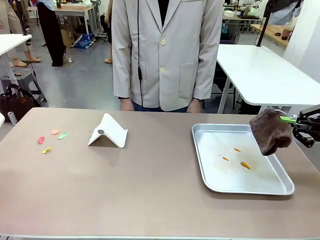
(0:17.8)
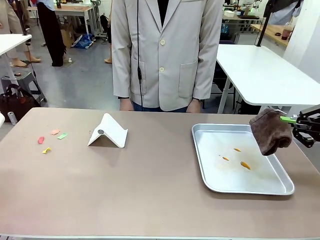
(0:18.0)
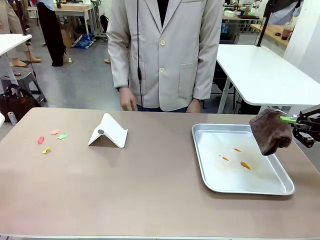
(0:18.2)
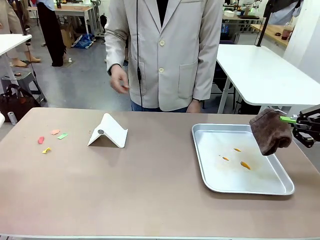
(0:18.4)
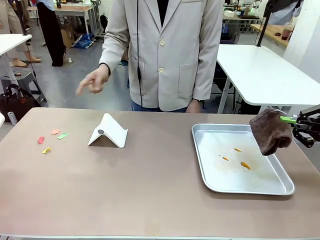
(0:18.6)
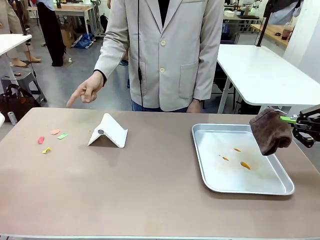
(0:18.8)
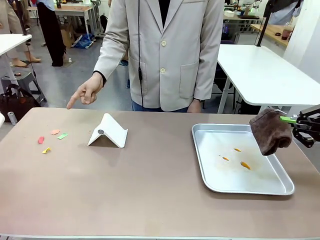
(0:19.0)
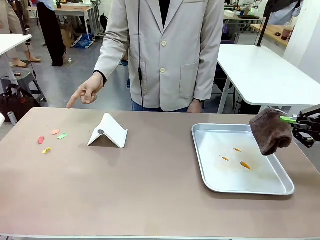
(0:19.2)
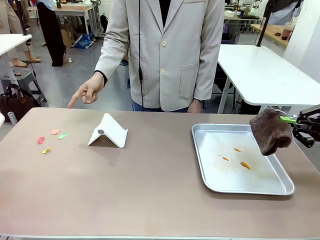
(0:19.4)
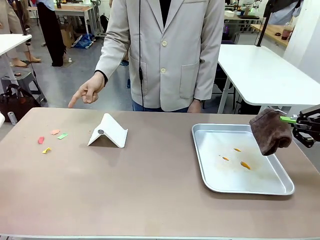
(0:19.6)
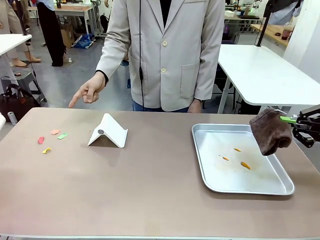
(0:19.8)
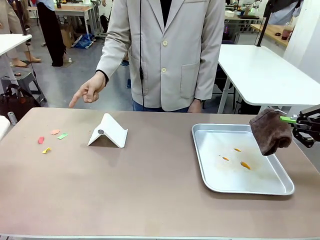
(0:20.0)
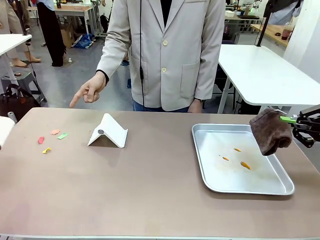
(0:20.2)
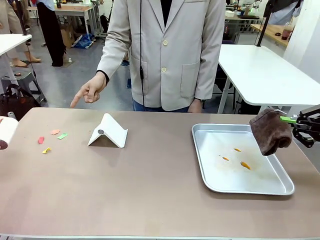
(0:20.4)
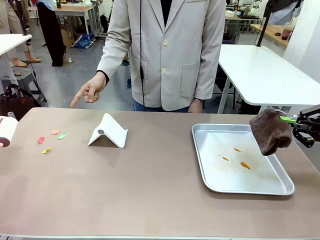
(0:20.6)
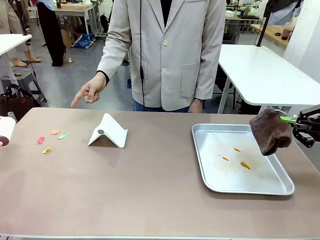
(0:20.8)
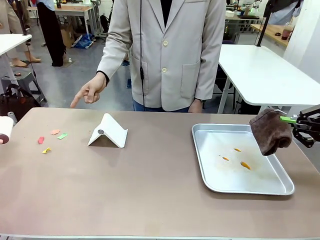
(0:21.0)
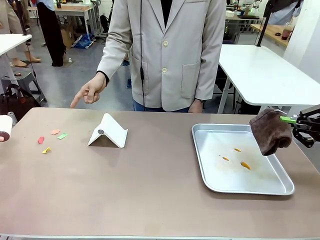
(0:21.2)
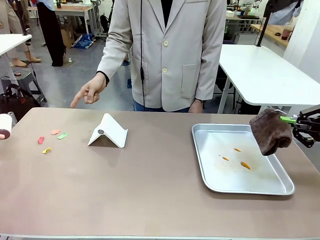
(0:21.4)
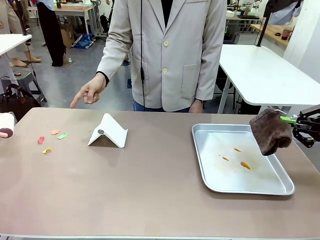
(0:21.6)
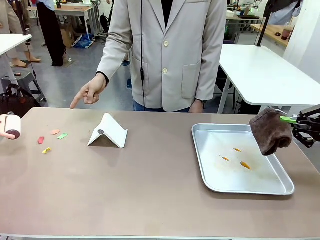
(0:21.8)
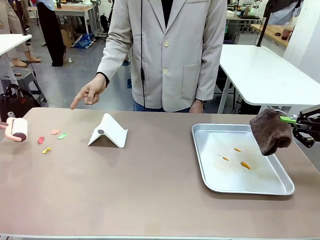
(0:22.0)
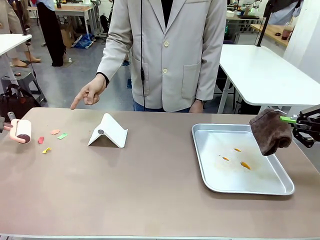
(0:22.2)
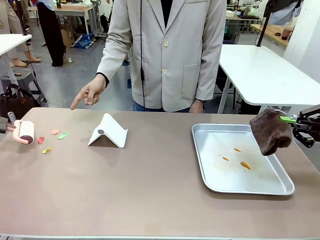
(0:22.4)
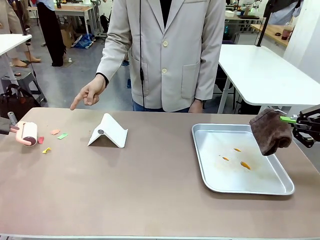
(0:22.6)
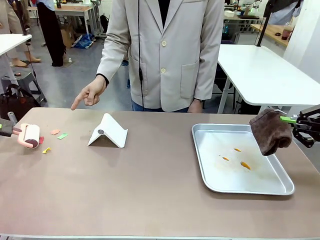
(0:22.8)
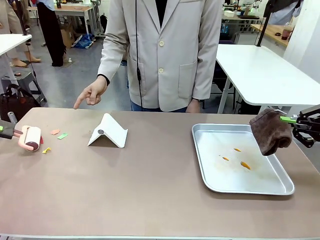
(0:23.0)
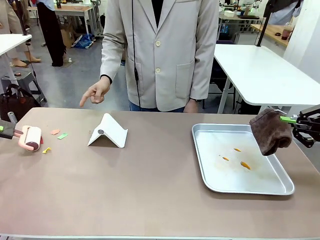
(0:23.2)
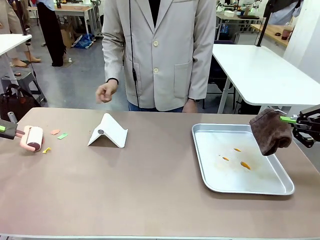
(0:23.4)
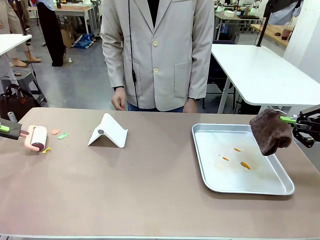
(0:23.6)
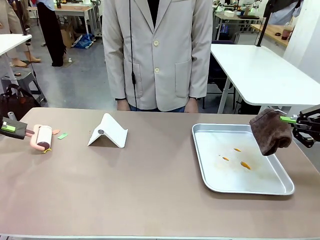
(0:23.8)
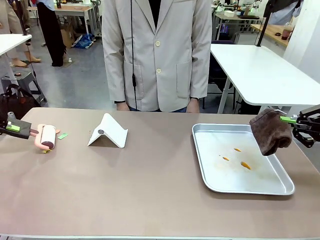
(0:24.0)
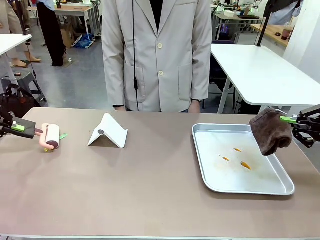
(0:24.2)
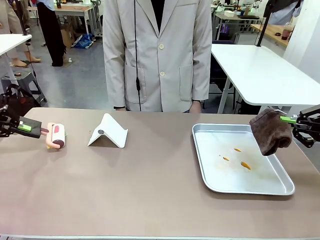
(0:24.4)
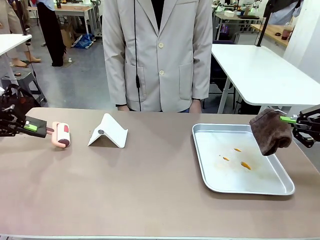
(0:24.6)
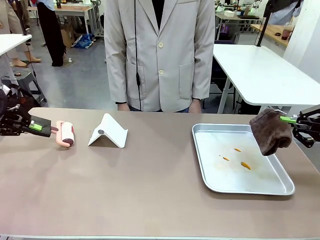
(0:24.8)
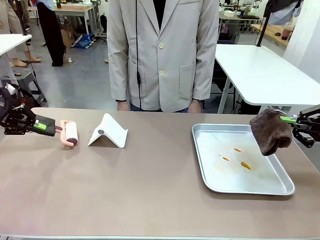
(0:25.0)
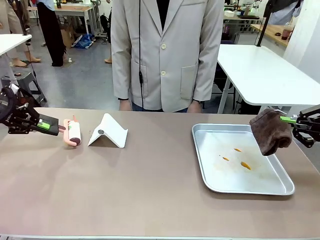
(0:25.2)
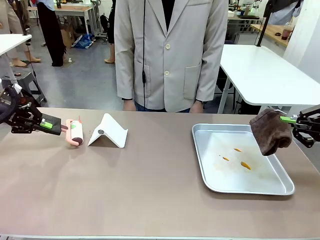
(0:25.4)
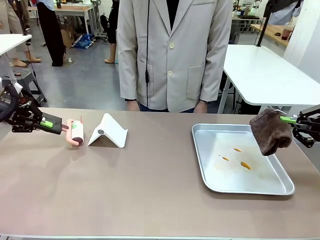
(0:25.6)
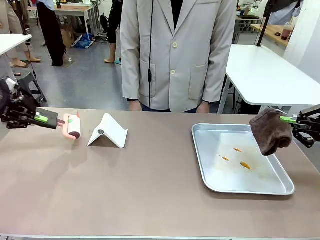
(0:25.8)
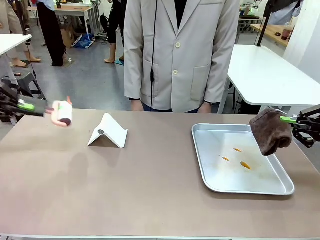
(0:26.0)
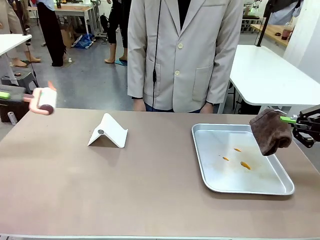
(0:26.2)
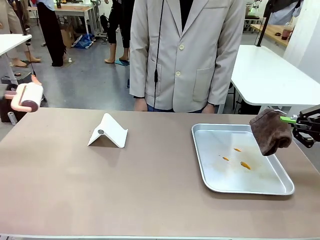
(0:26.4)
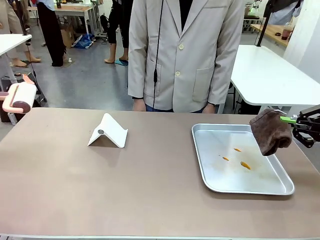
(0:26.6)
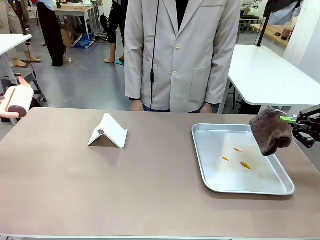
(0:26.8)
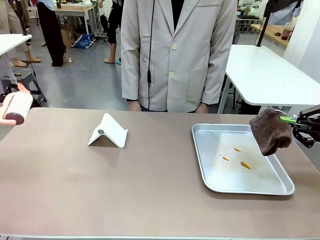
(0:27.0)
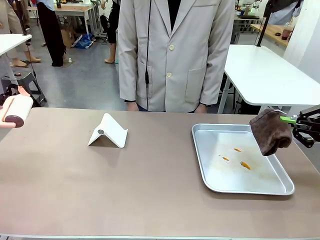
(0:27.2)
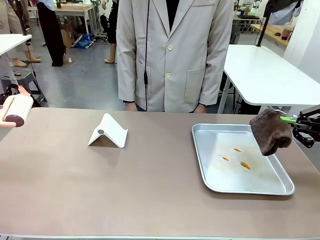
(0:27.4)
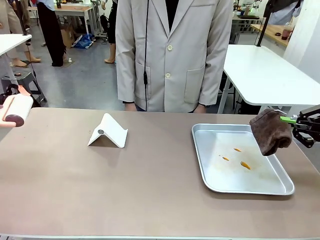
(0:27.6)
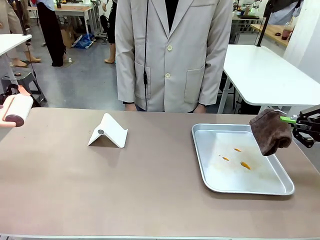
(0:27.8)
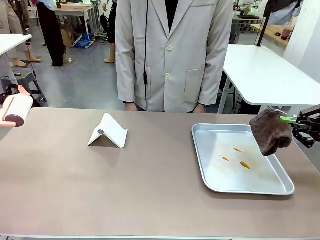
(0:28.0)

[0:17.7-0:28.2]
Task: Clean the surface of the table.
Robot: If a person points to the right, clean the right side of the table with your right hand, and if they point to the left, clean the left side with your left hand.

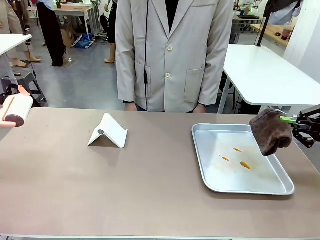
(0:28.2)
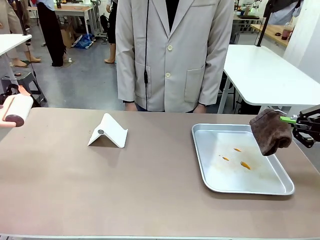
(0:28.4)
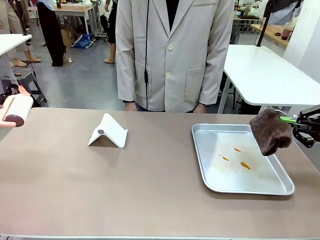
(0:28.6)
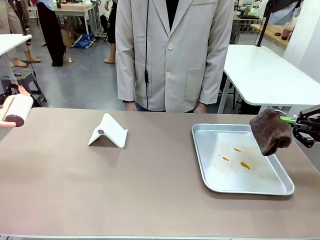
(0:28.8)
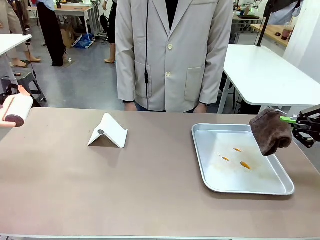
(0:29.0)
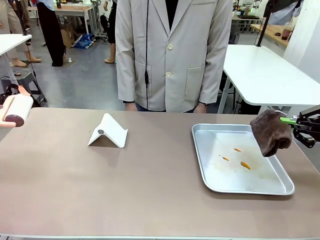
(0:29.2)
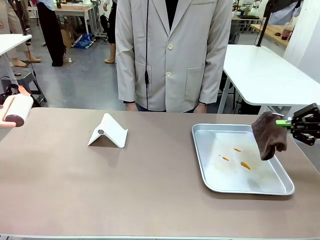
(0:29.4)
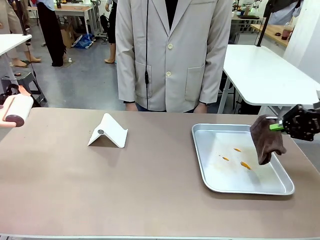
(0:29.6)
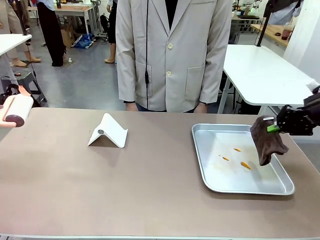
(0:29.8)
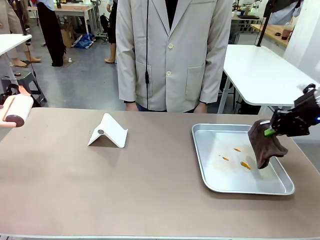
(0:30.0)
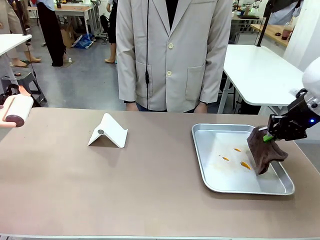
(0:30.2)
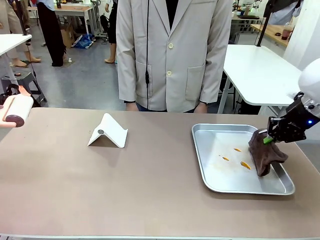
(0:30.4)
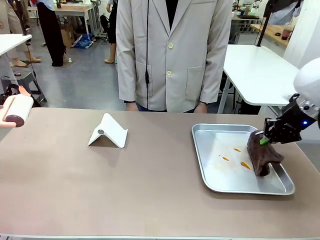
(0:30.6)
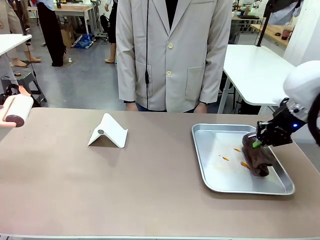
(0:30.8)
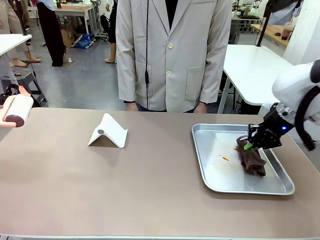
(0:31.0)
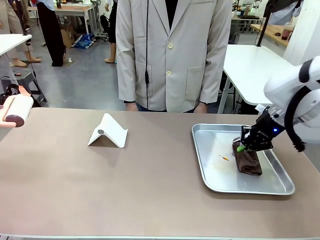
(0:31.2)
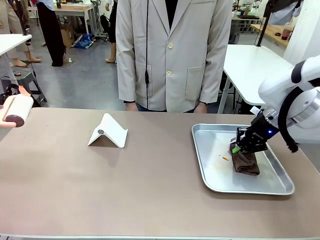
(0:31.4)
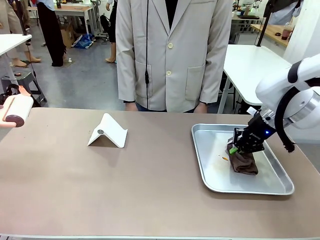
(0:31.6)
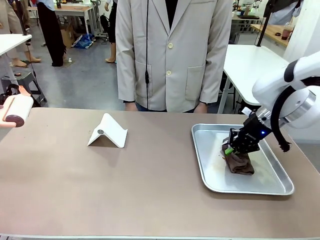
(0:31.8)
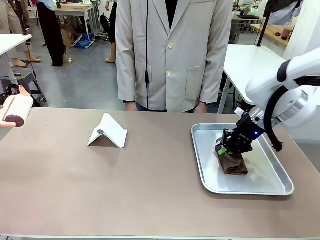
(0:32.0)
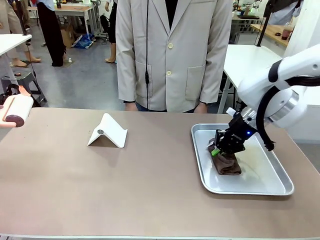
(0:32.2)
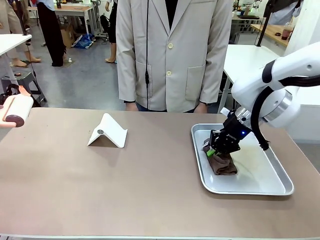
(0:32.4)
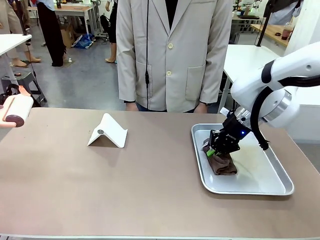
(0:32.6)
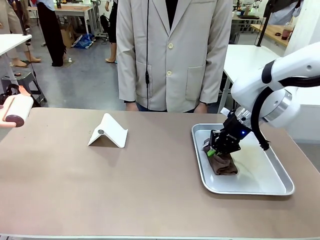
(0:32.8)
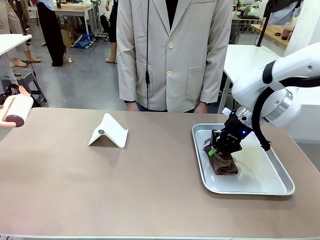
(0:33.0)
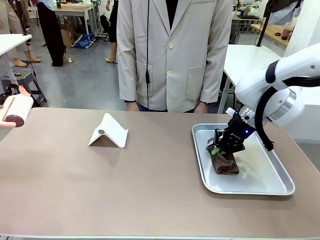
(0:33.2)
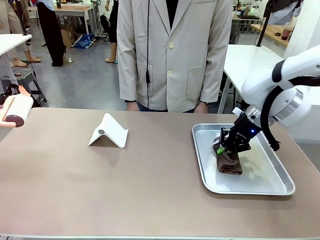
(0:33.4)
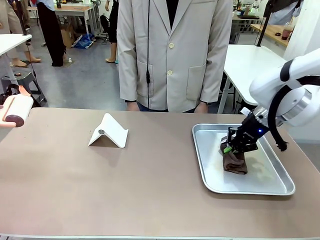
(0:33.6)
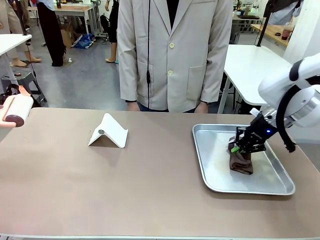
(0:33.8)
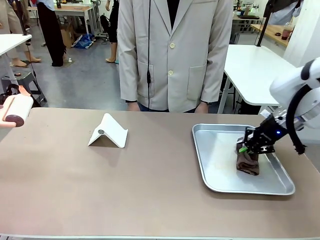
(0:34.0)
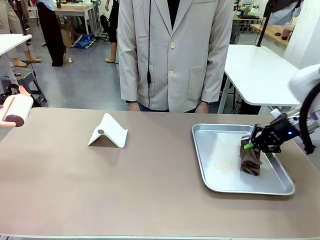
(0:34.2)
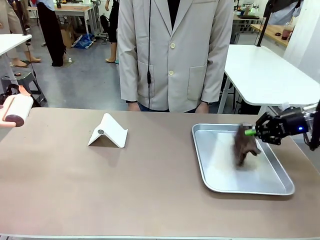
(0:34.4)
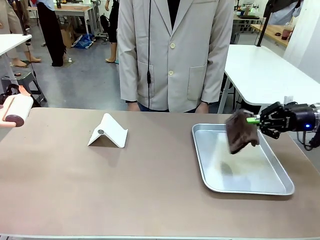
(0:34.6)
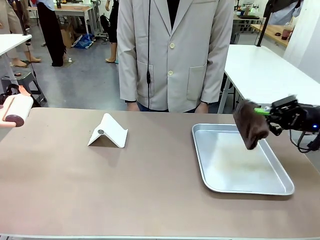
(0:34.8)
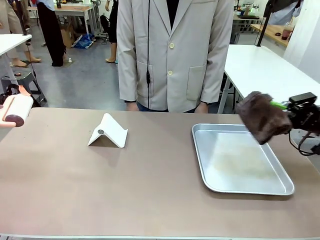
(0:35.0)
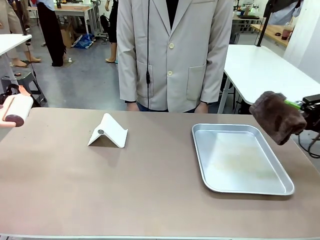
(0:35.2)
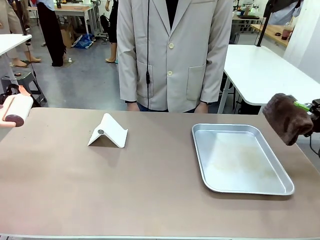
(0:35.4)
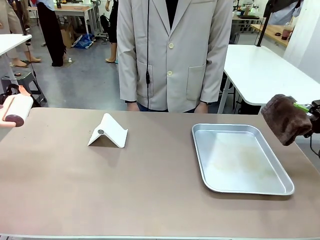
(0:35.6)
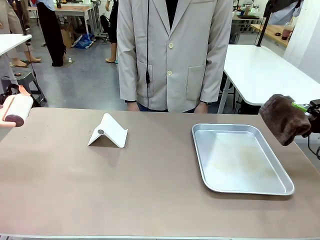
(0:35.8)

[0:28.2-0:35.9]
Robot: Clean the area not pointed to by the person.
